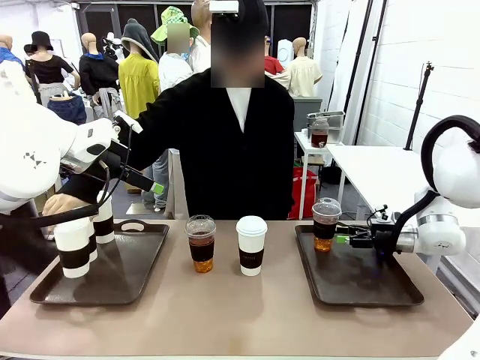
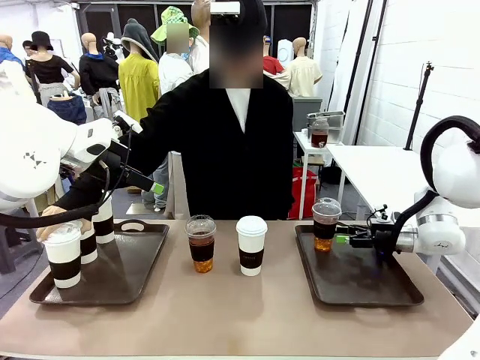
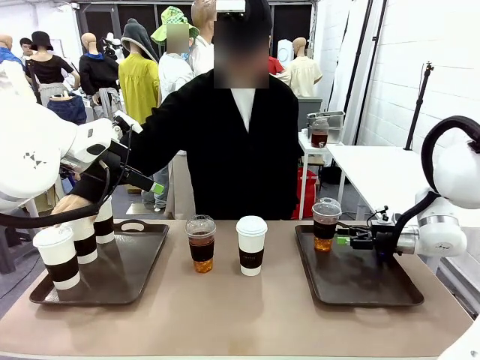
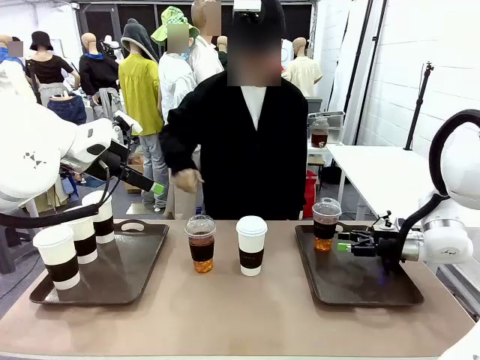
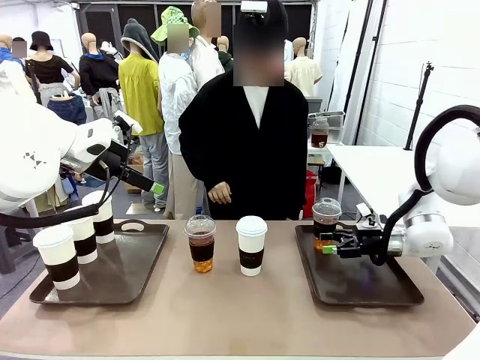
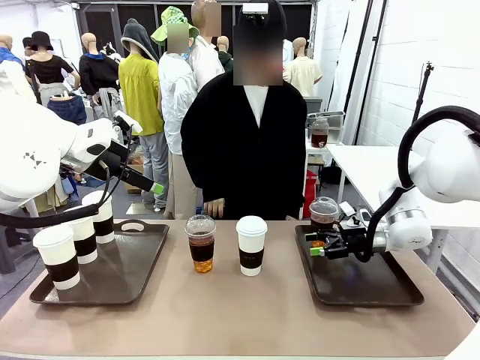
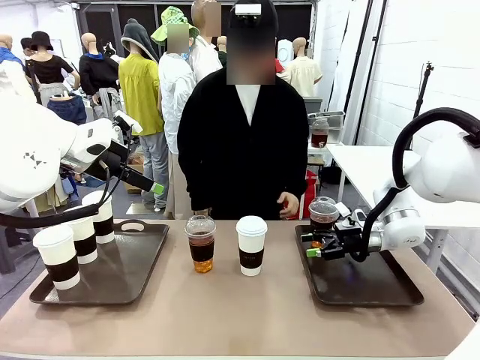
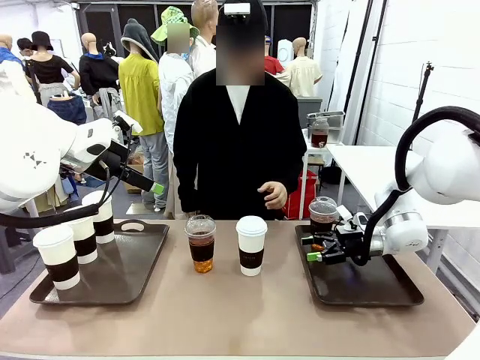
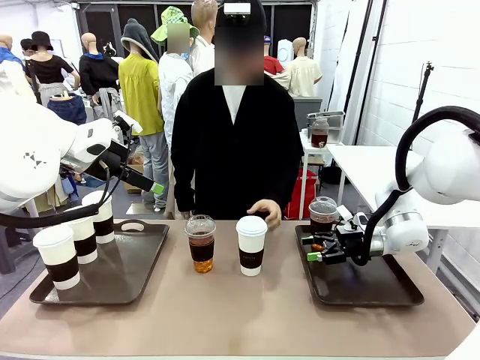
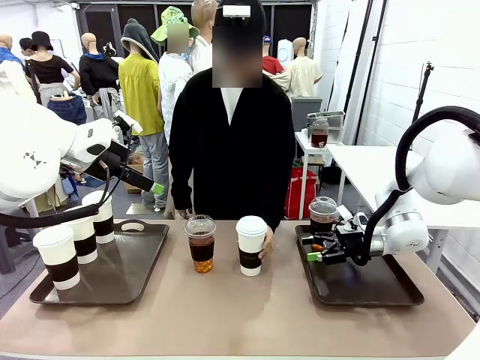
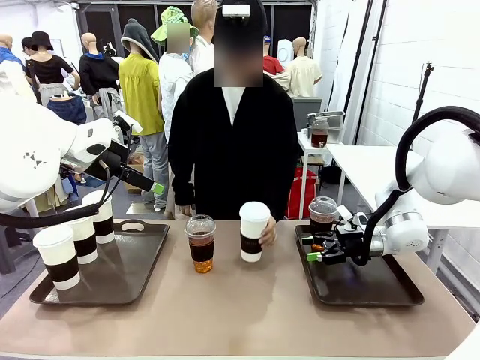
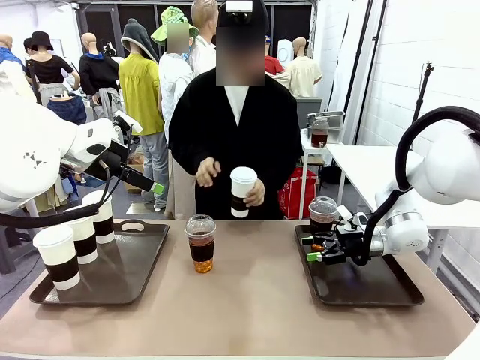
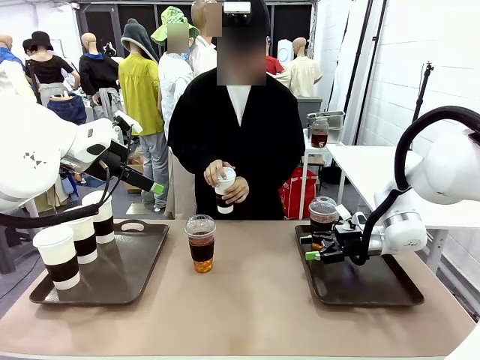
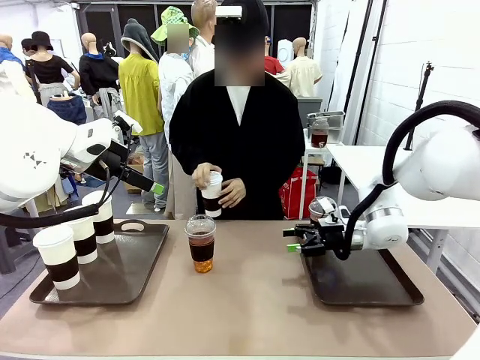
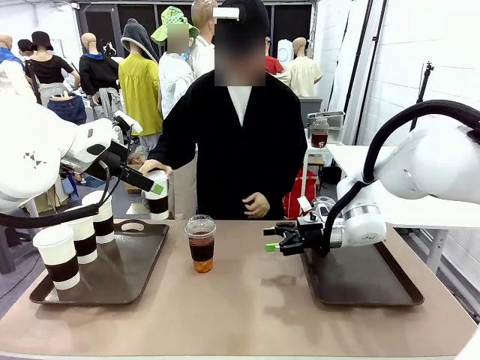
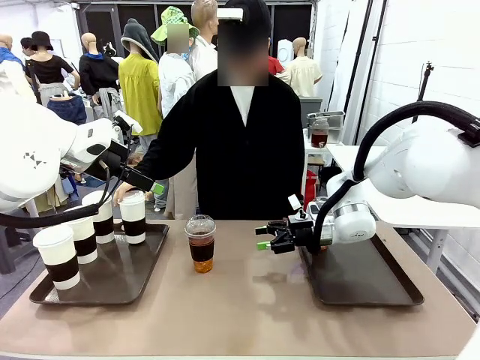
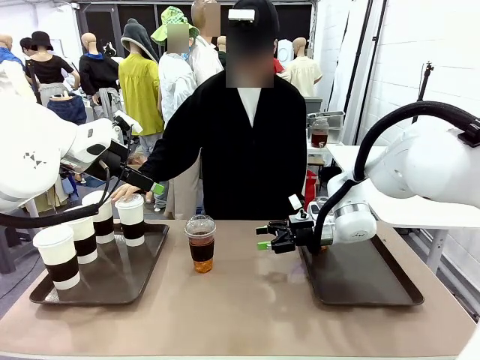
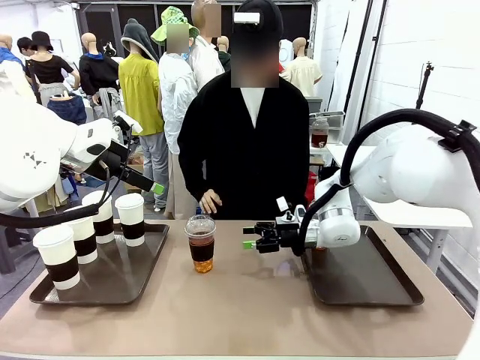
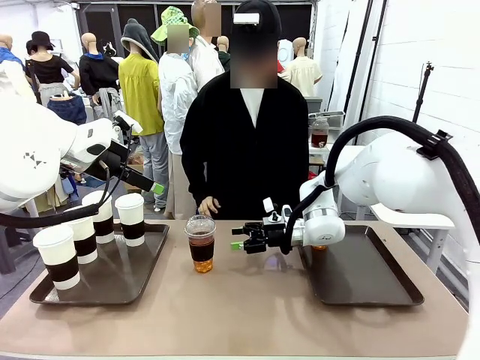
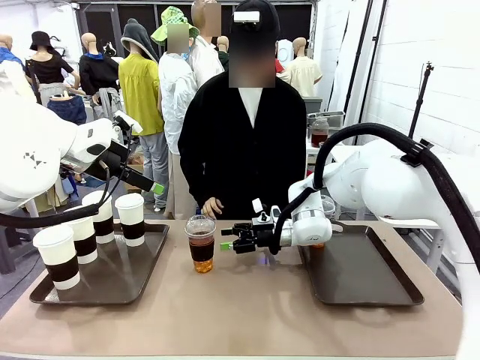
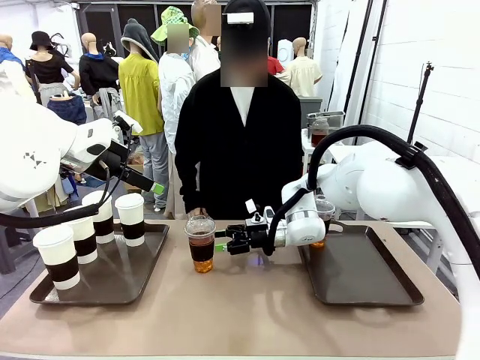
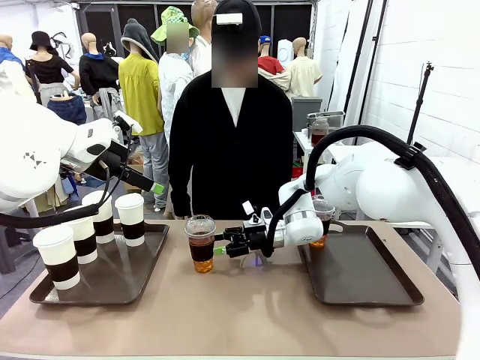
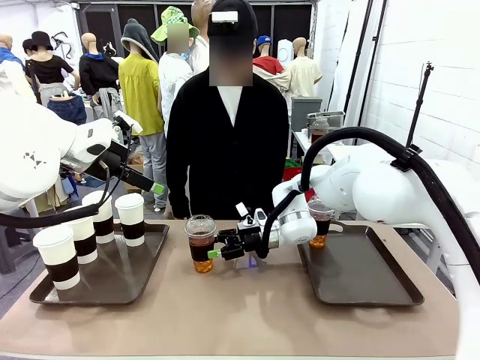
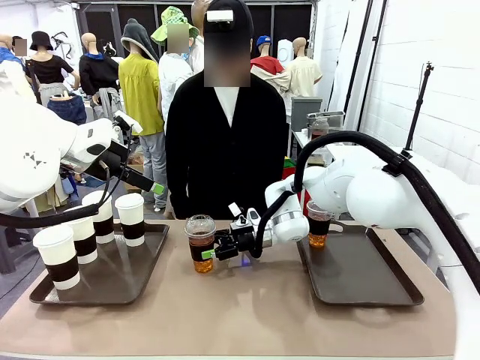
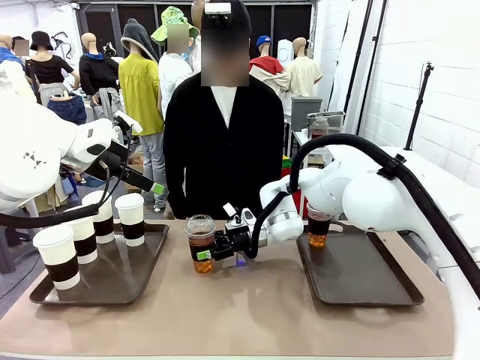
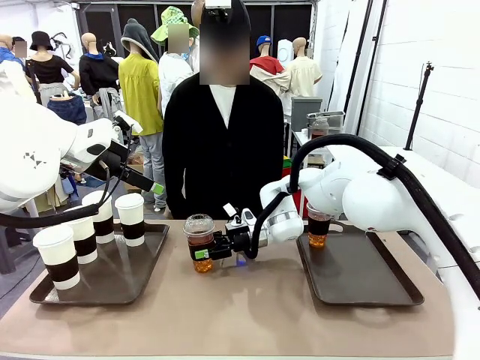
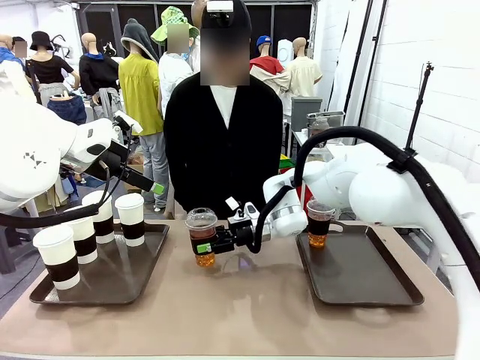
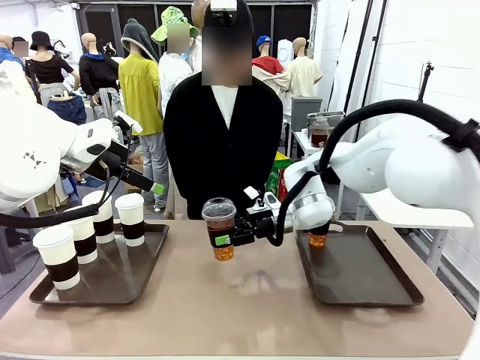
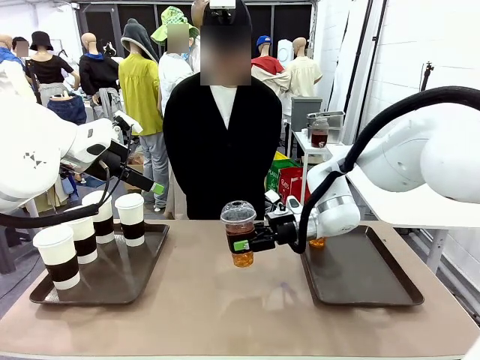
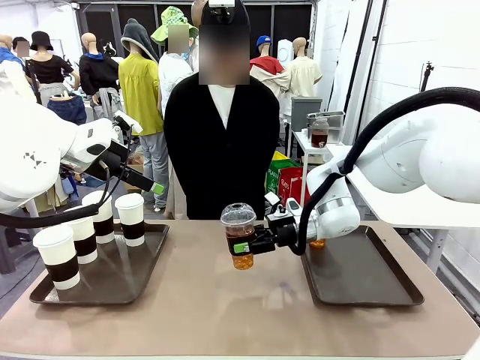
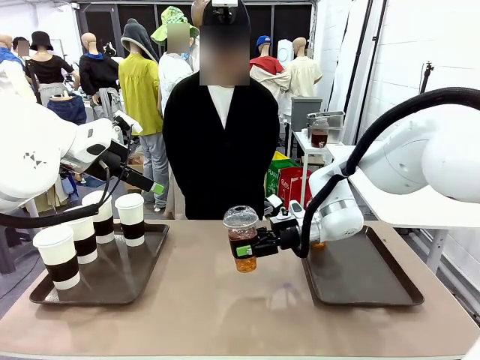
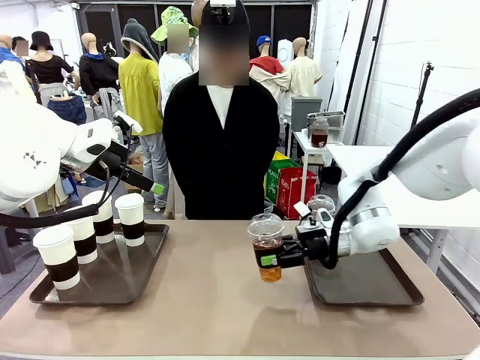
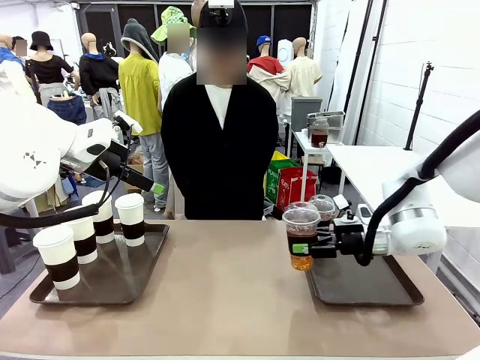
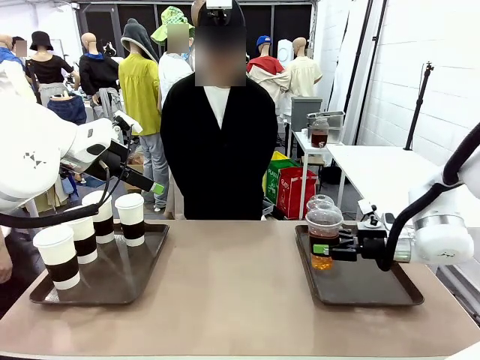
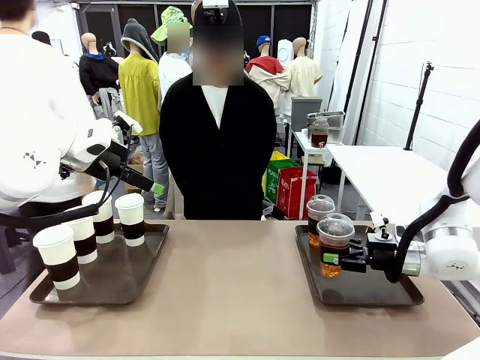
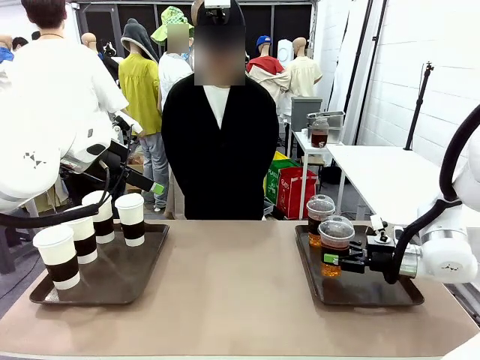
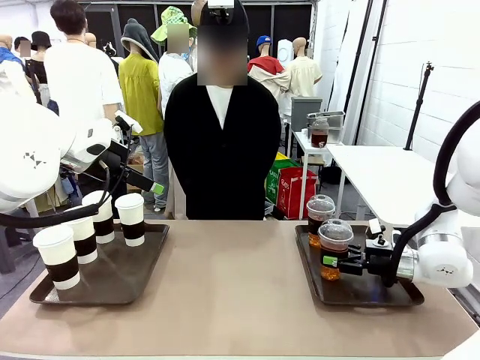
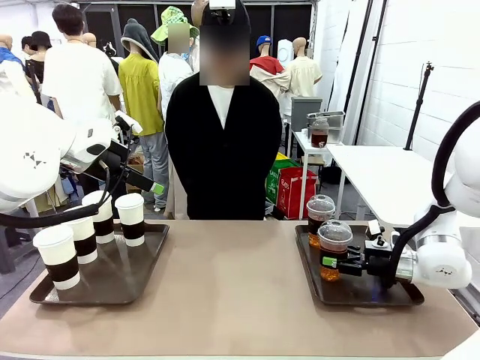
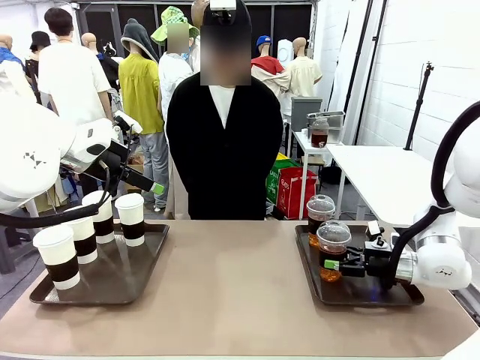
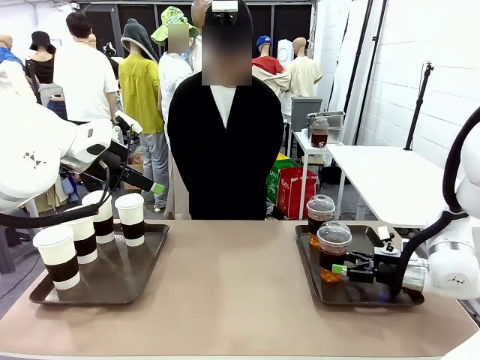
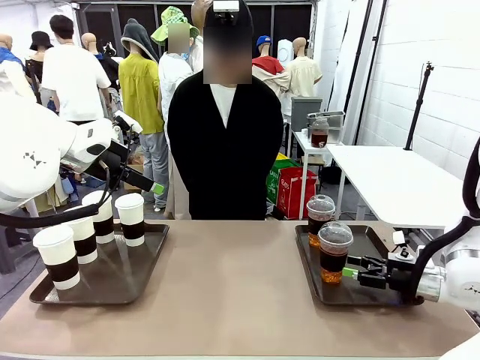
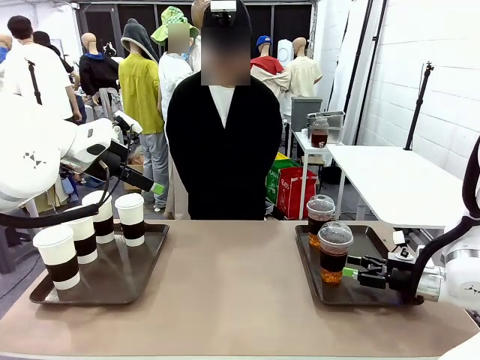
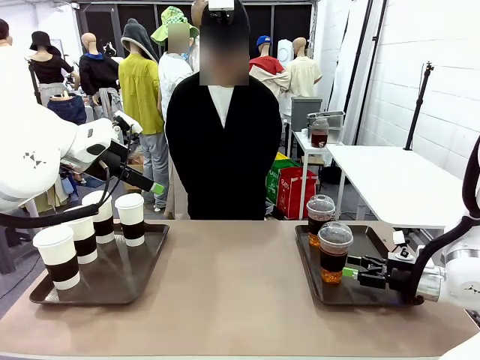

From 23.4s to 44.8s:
Task: Distribute the coffee onto the tray.
Robot: Pick up another iced Americano from the middle of the table and place it on the right Handle tray.
Person: Pick up a cup of hot Americano from the middle of the table and place it on the right tray.

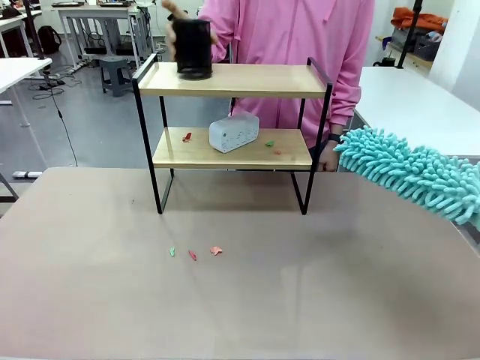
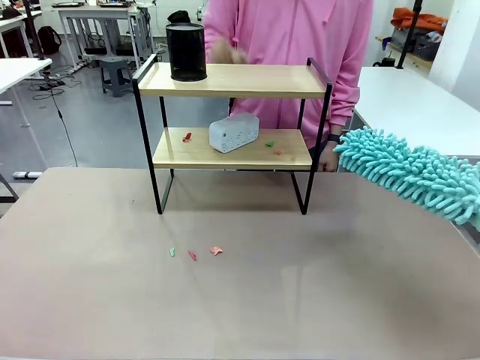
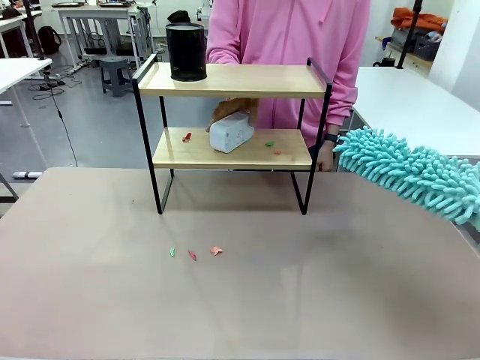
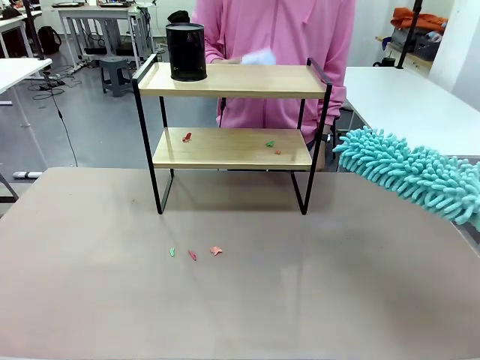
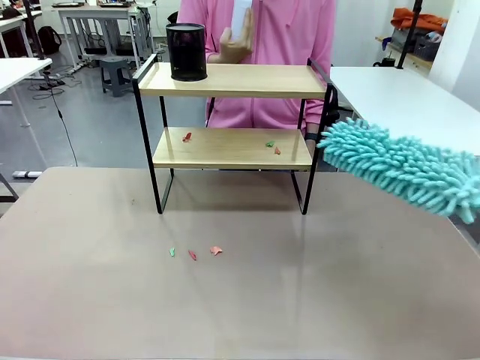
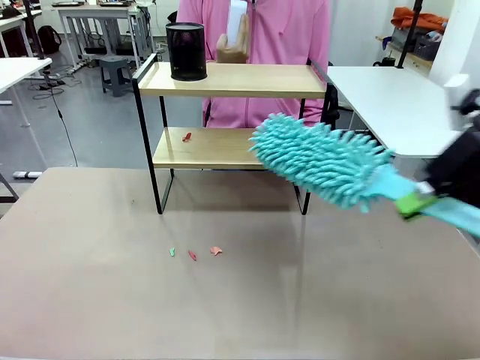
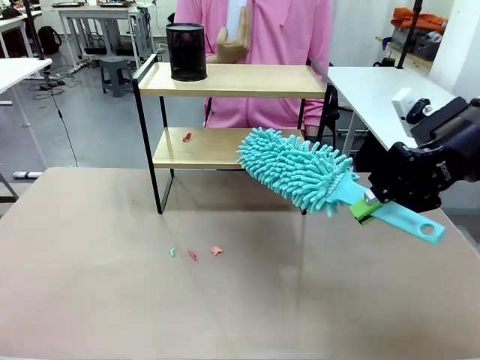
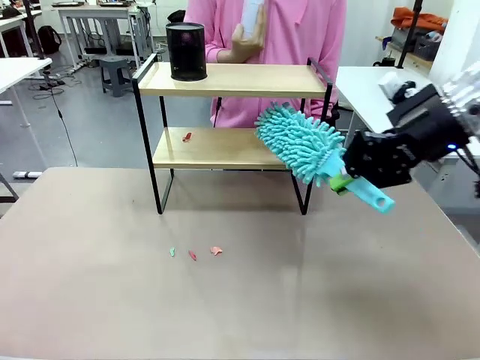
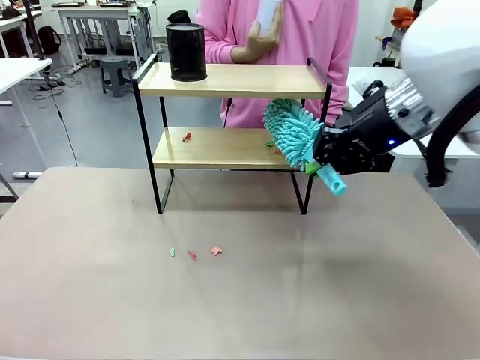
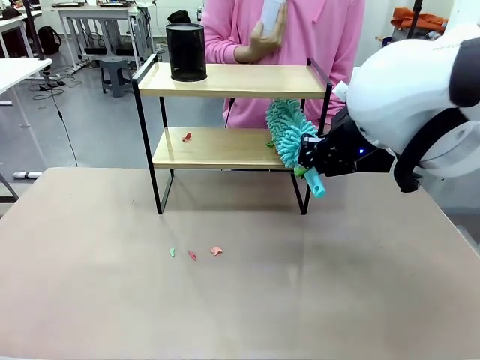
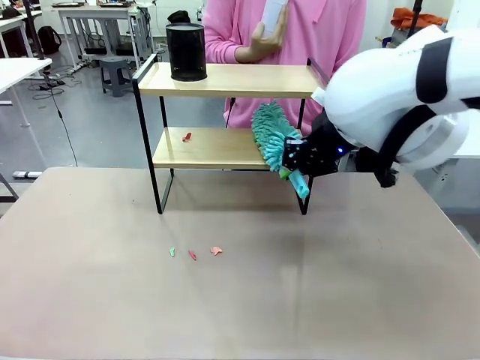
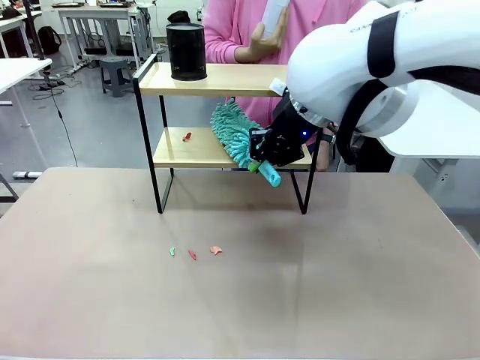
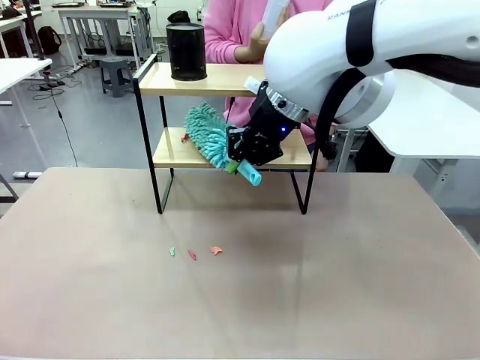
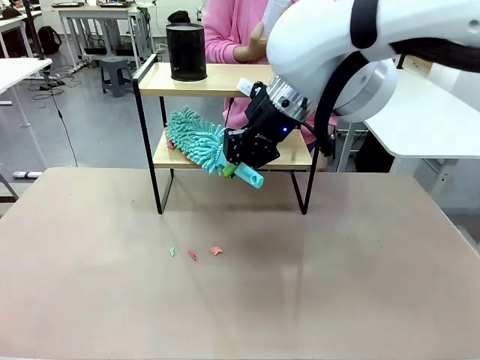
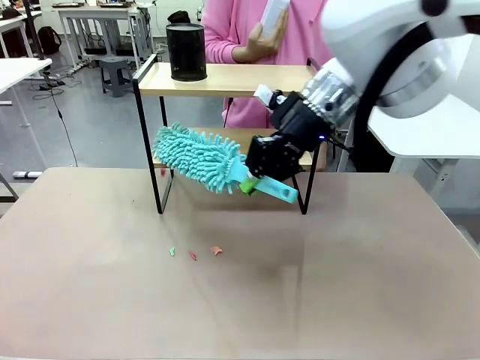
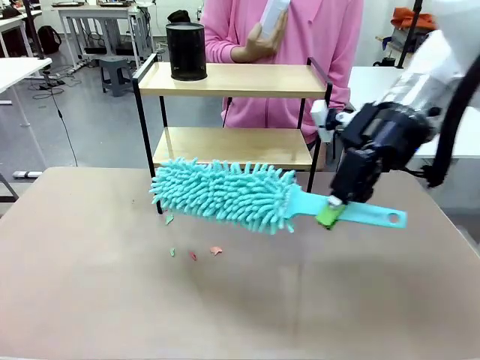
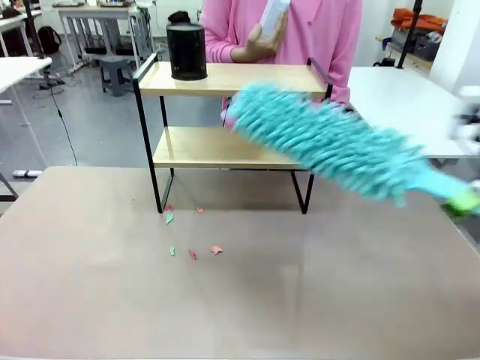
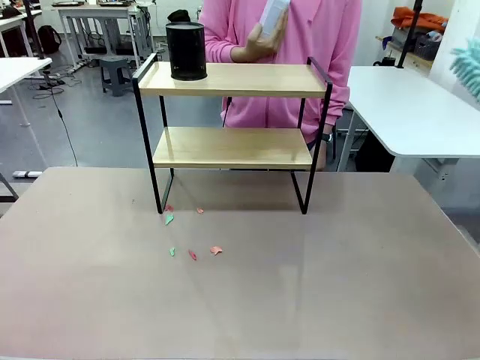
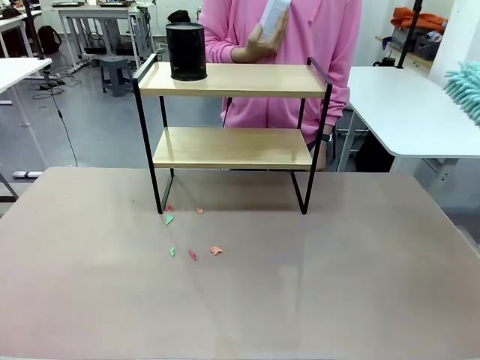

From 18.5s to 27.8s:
Task: Clean the shelf.
Robot: Clean the remaining tier of the Shelf with the Duster once objects are removed.
